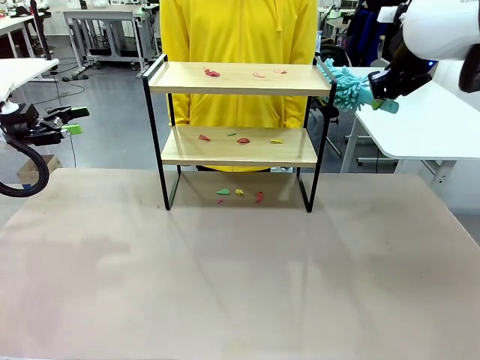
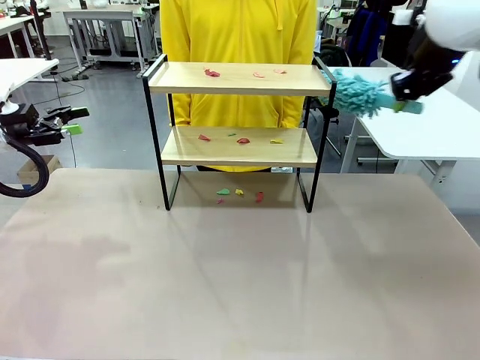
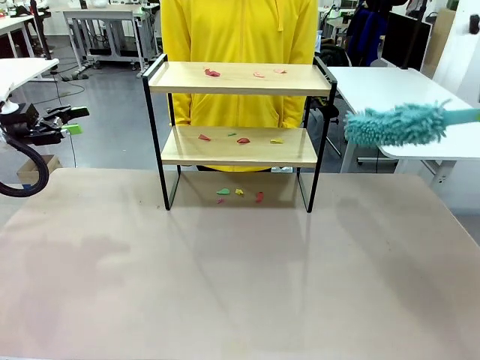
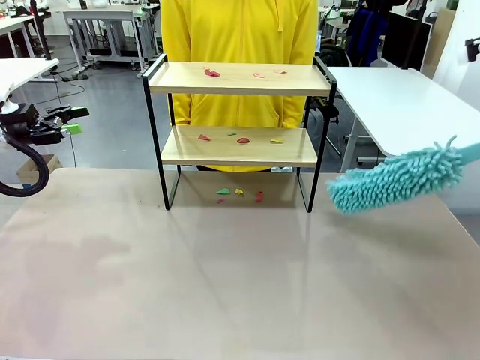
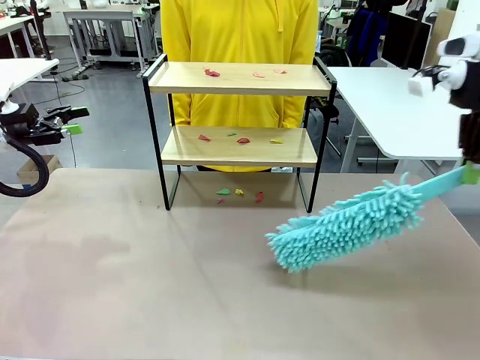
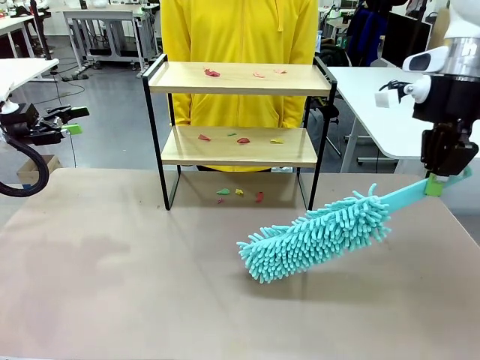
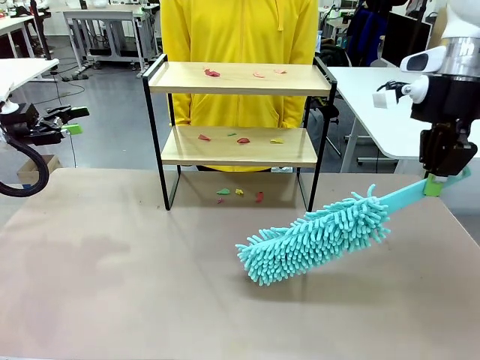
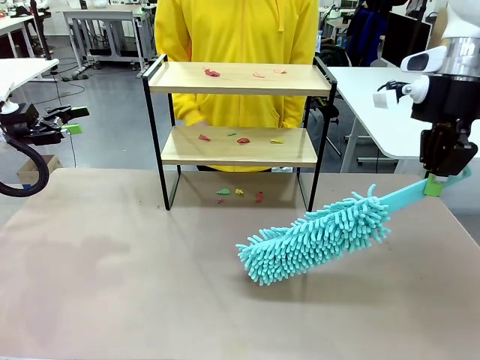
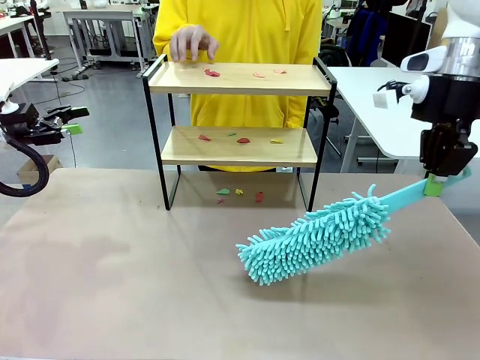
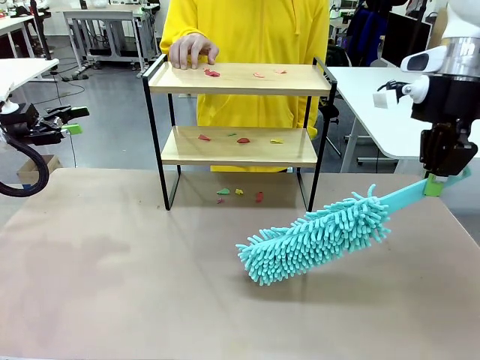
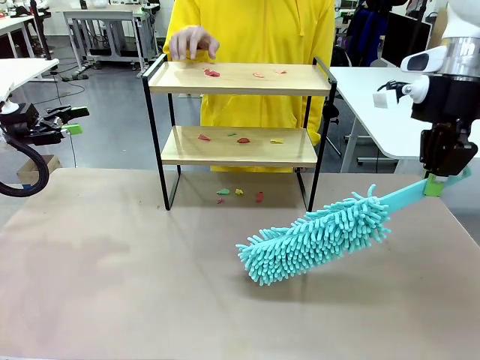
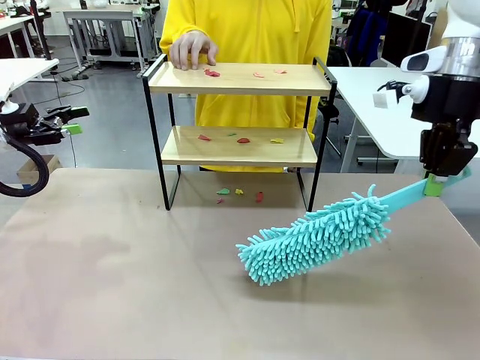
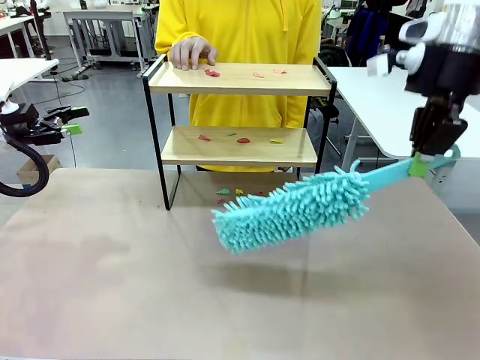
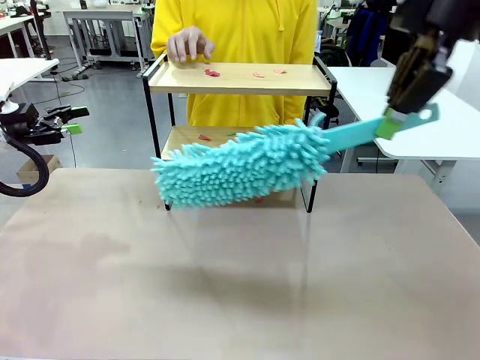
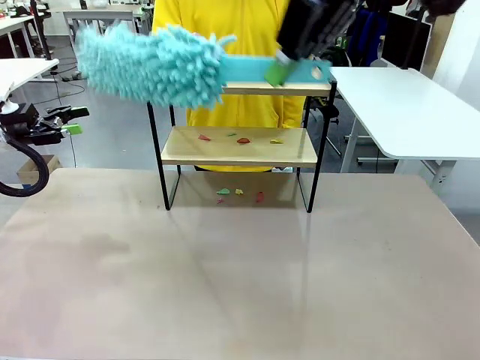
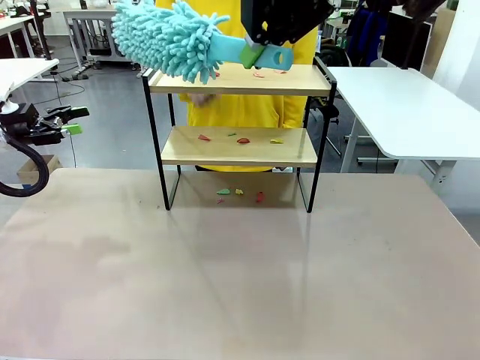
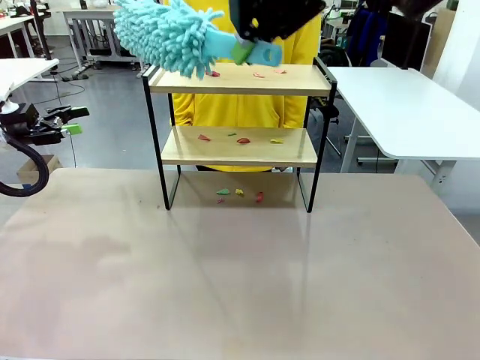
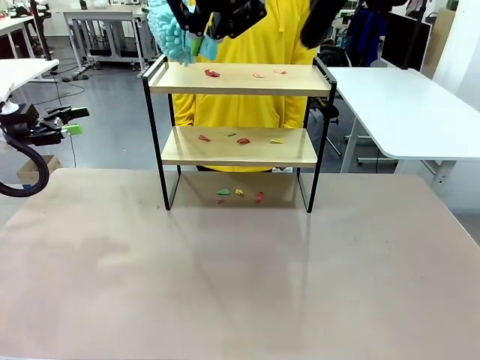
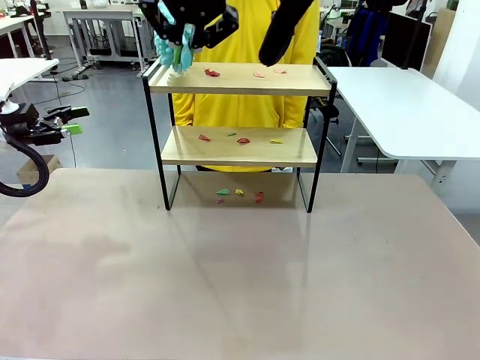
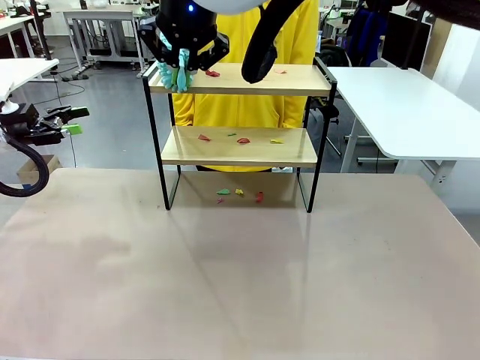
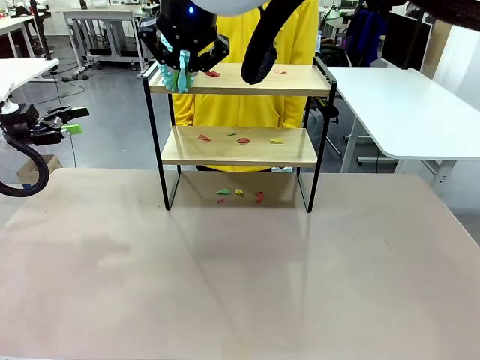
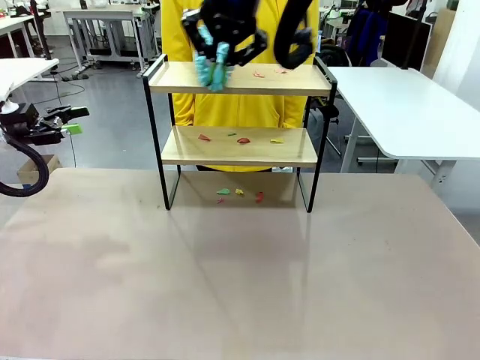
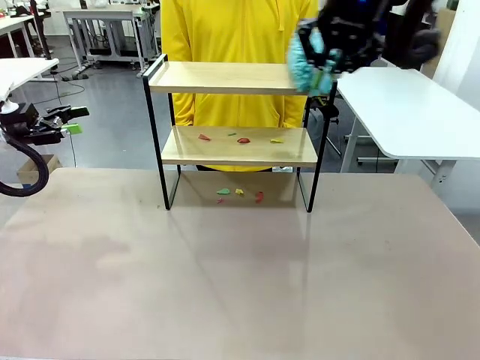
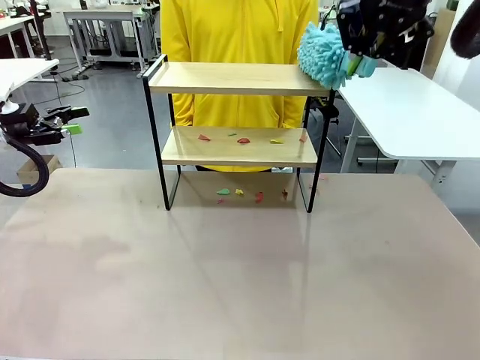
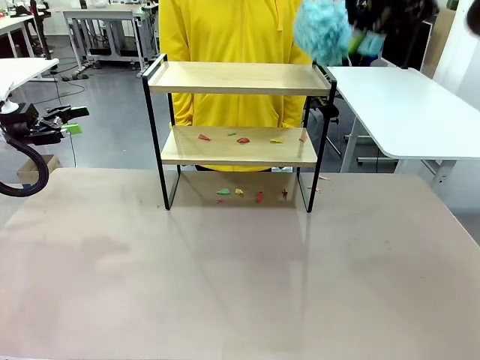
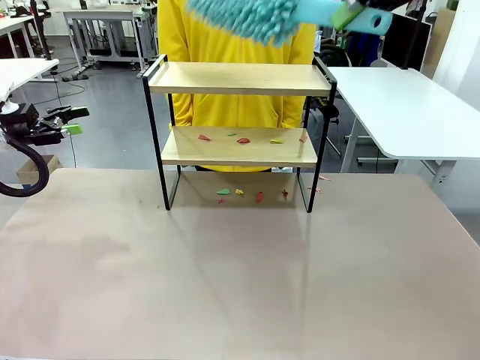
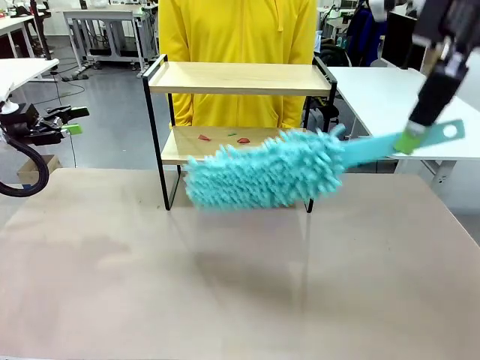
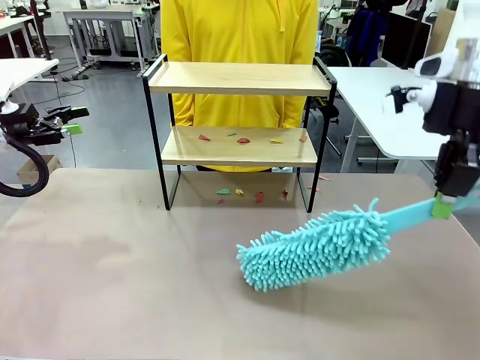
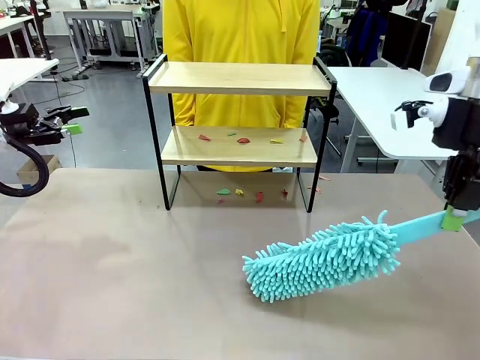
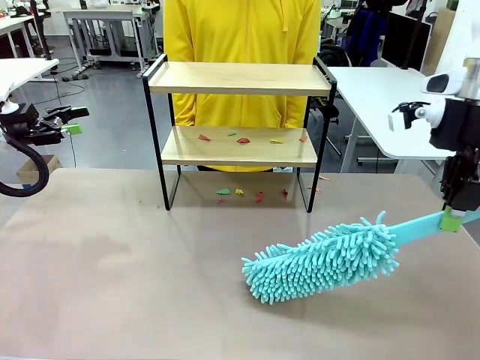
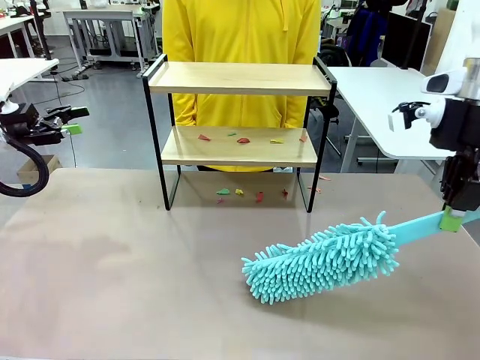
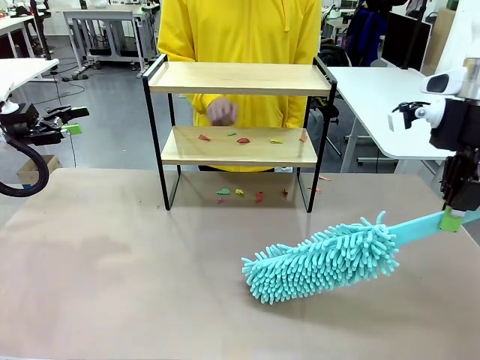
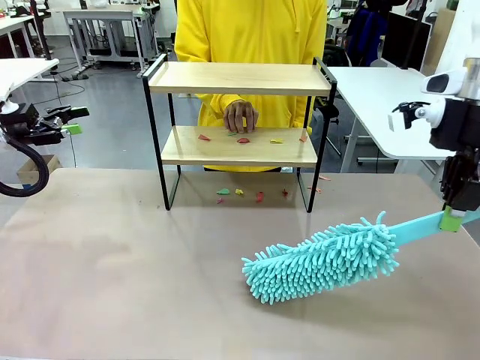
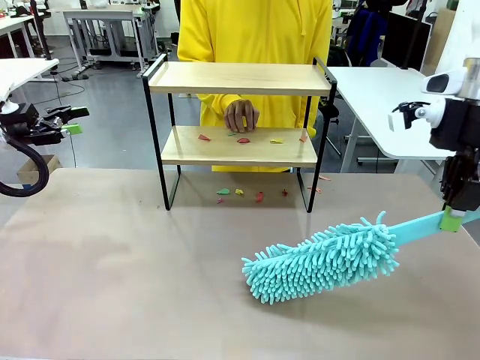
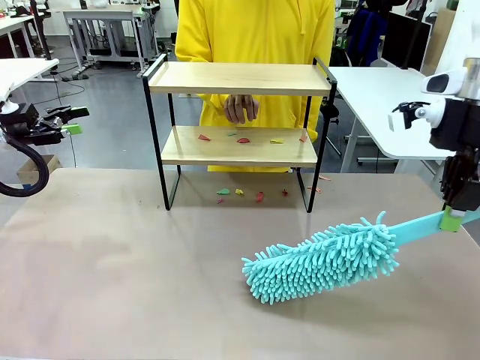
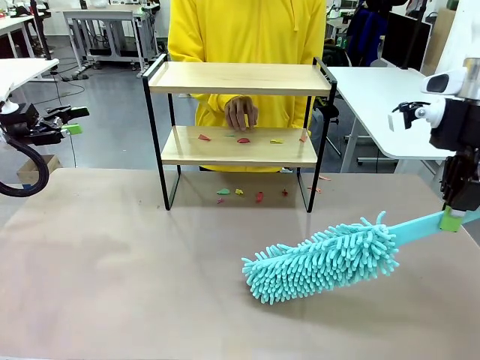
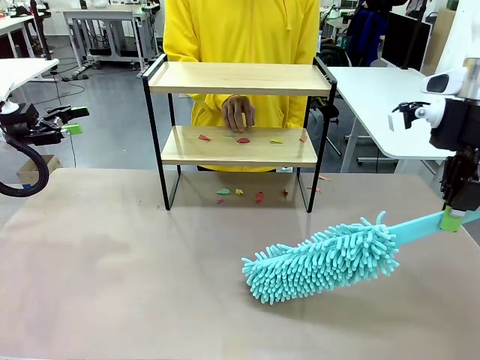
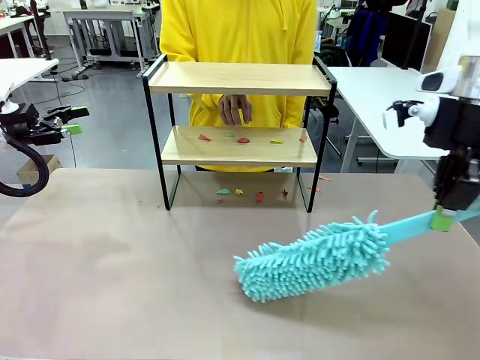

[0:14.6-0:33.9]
Task: Clean the shelf.
Robot: Clean the specific section of the Shelf indicated by the human with the Duster.
Person: Point a random section of the Shelf.
